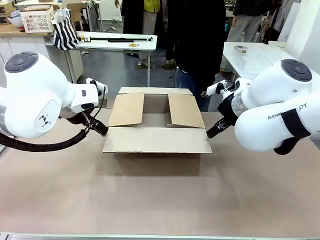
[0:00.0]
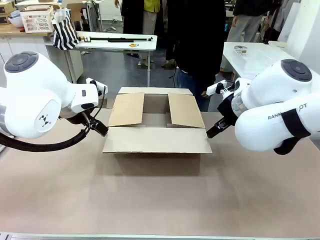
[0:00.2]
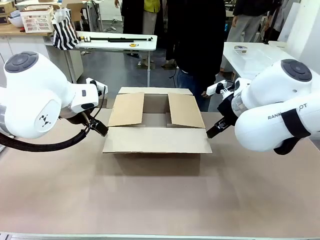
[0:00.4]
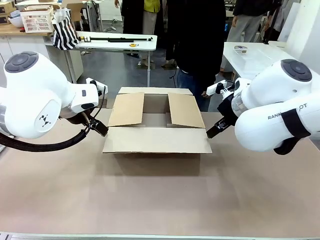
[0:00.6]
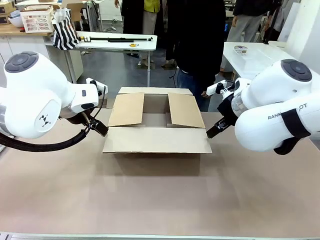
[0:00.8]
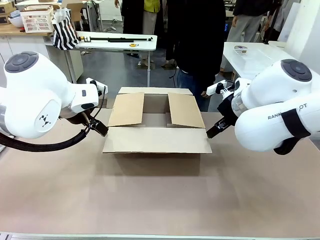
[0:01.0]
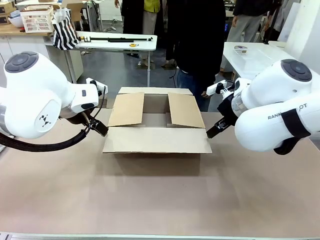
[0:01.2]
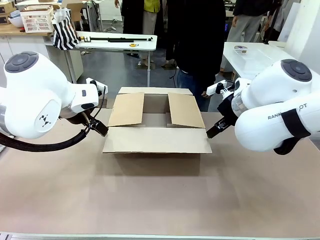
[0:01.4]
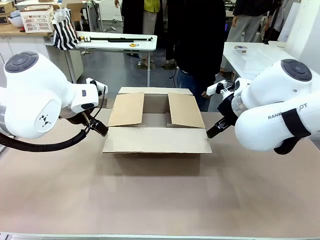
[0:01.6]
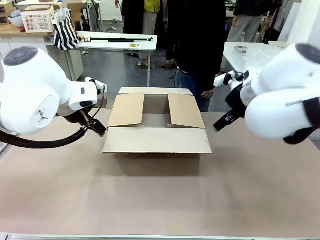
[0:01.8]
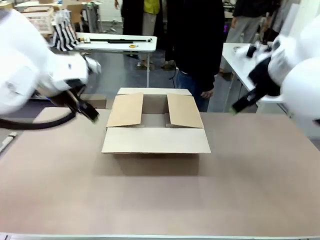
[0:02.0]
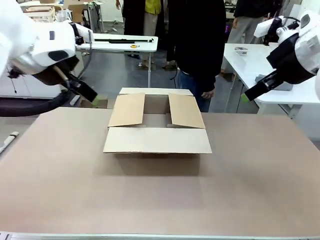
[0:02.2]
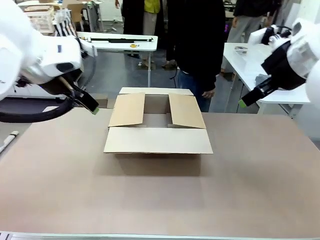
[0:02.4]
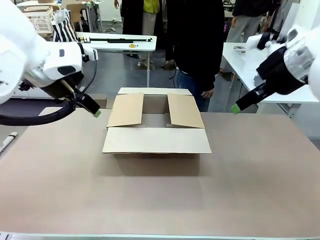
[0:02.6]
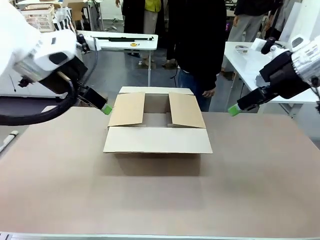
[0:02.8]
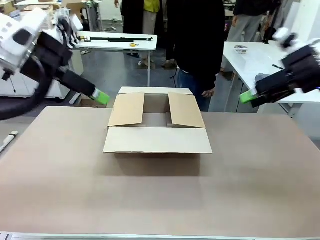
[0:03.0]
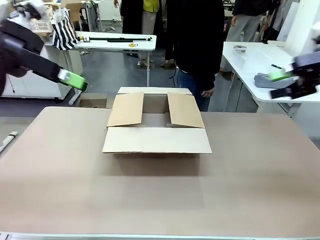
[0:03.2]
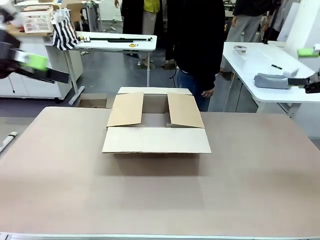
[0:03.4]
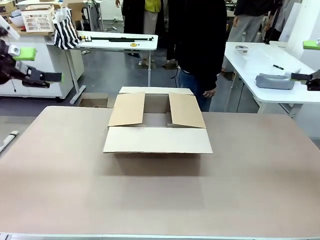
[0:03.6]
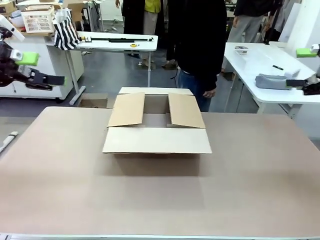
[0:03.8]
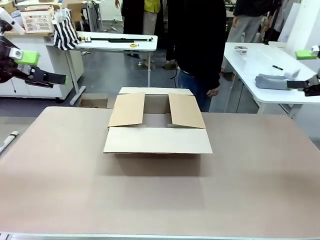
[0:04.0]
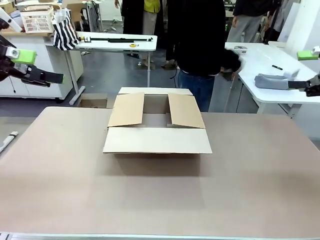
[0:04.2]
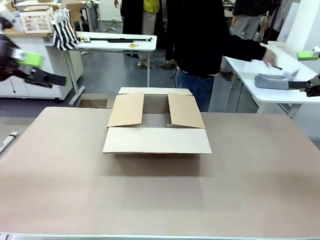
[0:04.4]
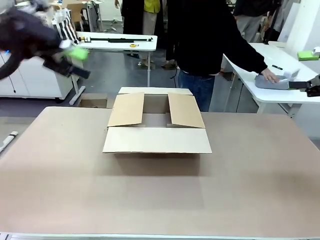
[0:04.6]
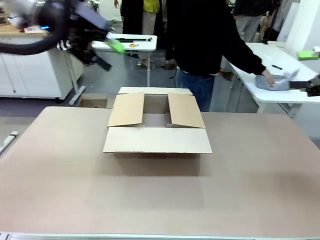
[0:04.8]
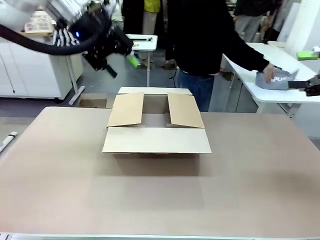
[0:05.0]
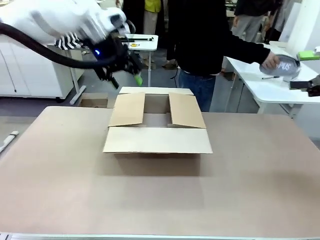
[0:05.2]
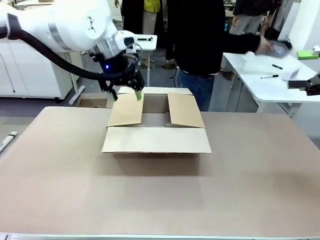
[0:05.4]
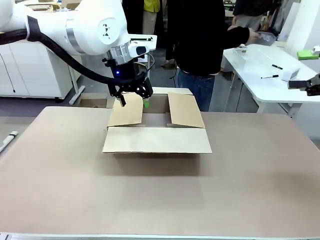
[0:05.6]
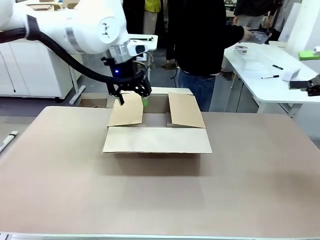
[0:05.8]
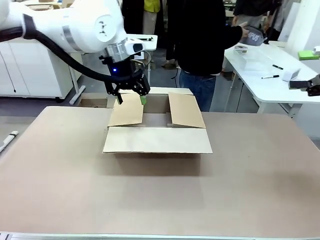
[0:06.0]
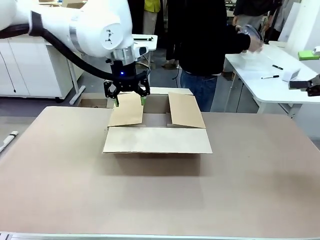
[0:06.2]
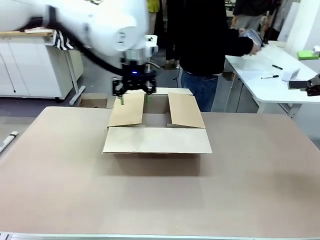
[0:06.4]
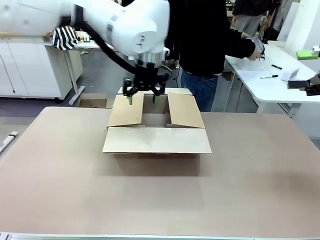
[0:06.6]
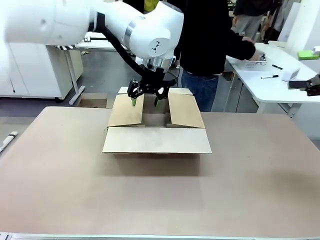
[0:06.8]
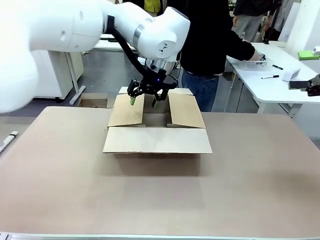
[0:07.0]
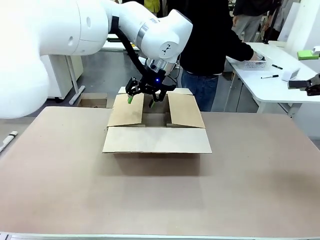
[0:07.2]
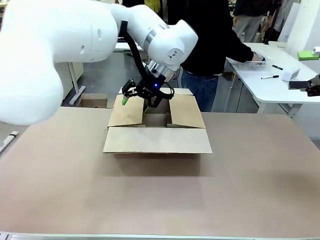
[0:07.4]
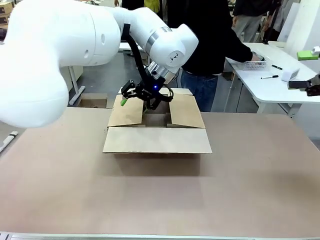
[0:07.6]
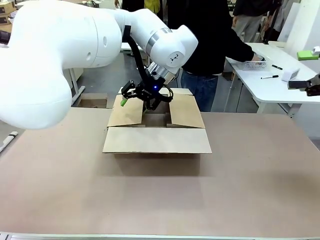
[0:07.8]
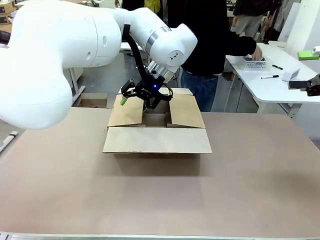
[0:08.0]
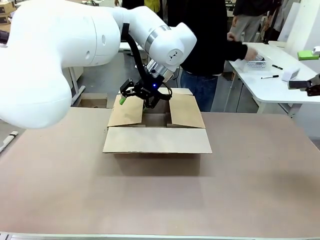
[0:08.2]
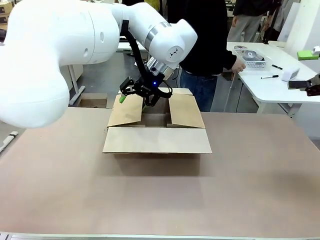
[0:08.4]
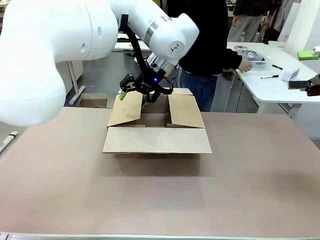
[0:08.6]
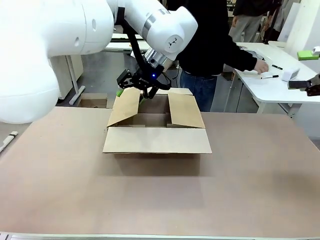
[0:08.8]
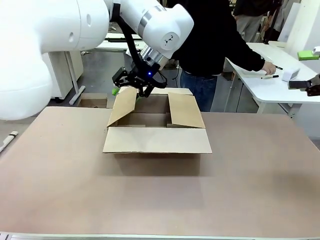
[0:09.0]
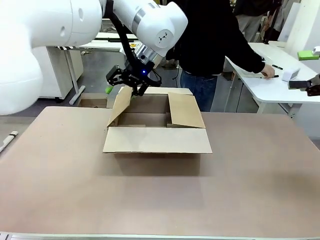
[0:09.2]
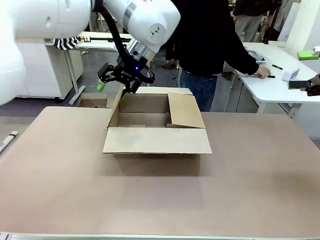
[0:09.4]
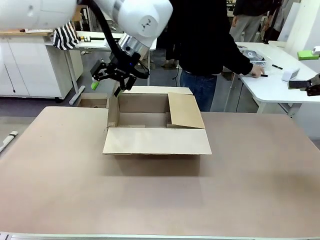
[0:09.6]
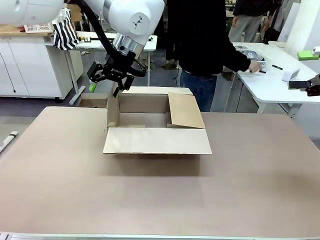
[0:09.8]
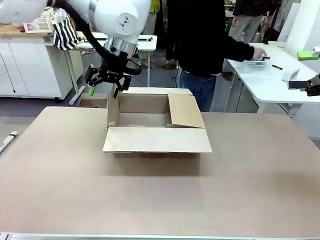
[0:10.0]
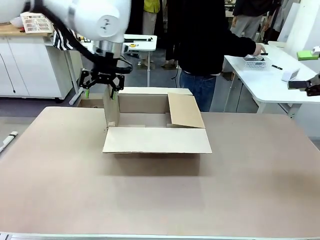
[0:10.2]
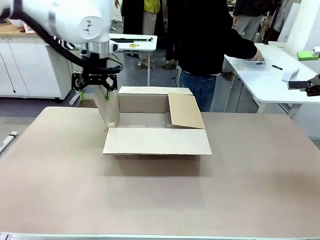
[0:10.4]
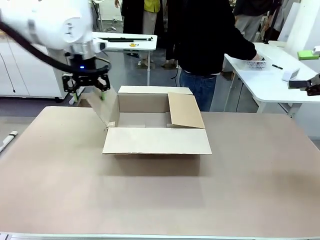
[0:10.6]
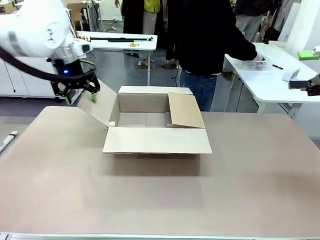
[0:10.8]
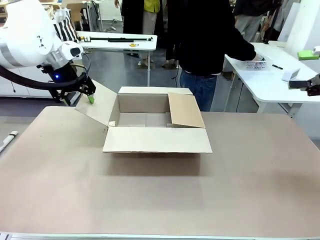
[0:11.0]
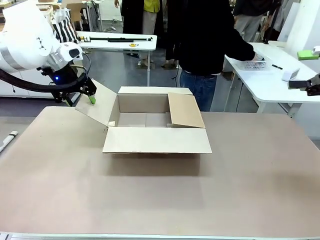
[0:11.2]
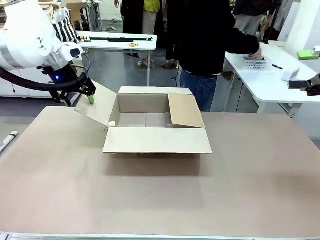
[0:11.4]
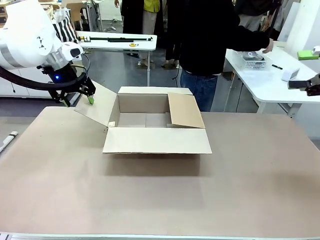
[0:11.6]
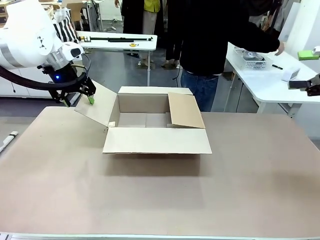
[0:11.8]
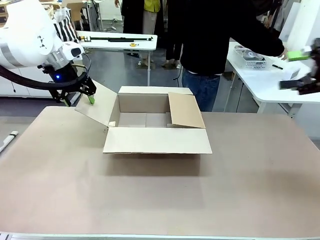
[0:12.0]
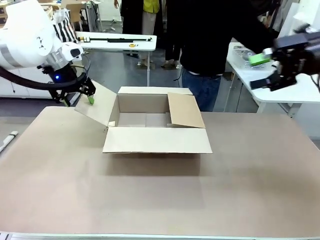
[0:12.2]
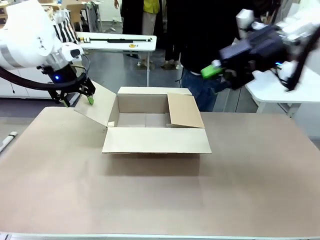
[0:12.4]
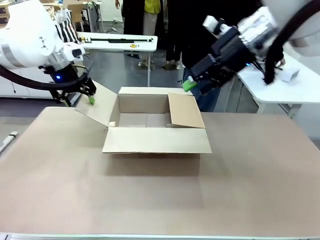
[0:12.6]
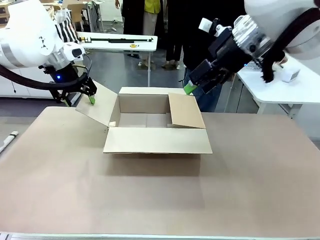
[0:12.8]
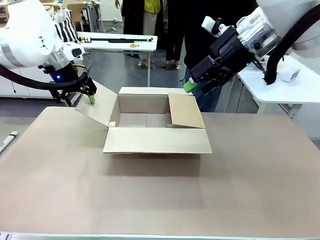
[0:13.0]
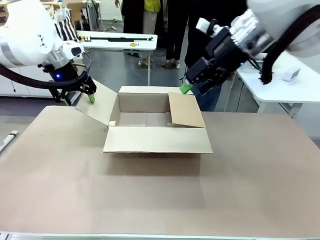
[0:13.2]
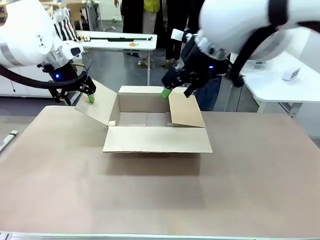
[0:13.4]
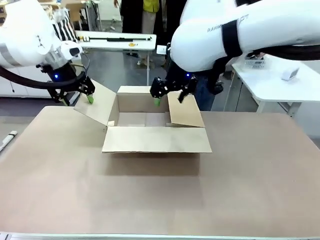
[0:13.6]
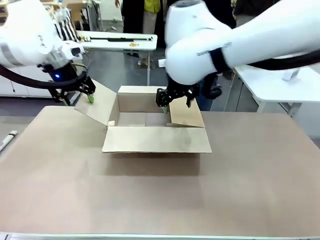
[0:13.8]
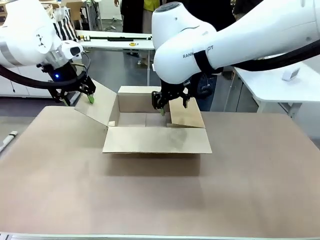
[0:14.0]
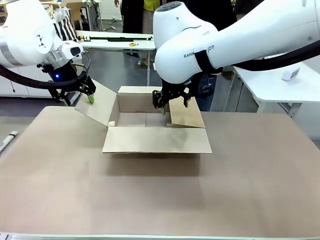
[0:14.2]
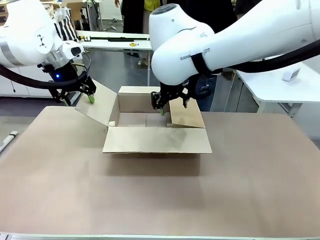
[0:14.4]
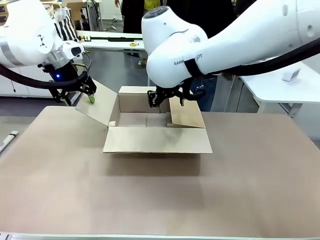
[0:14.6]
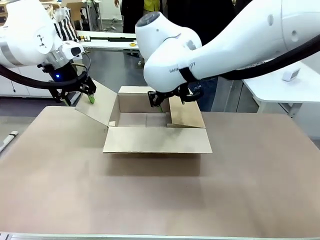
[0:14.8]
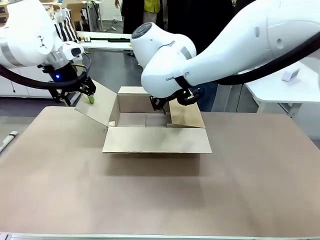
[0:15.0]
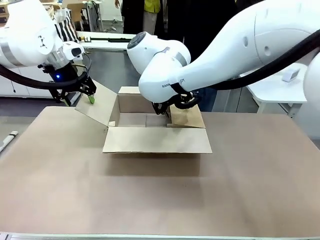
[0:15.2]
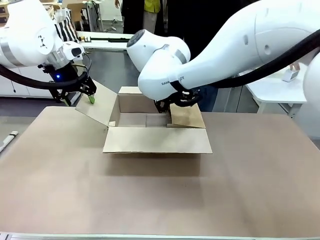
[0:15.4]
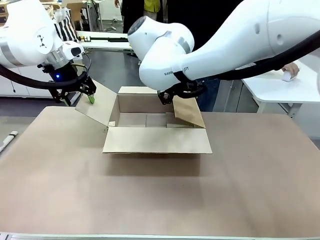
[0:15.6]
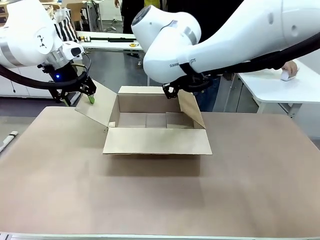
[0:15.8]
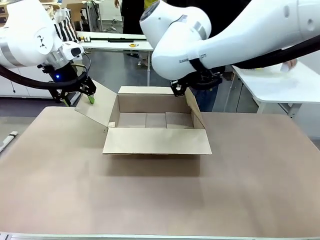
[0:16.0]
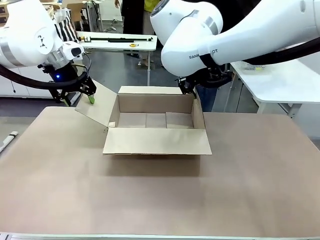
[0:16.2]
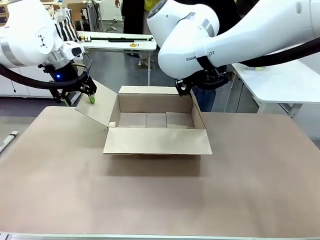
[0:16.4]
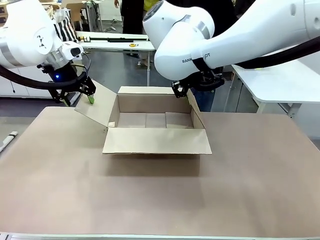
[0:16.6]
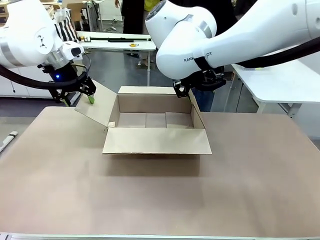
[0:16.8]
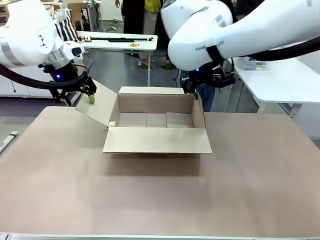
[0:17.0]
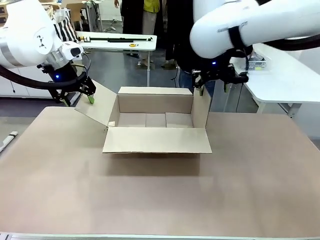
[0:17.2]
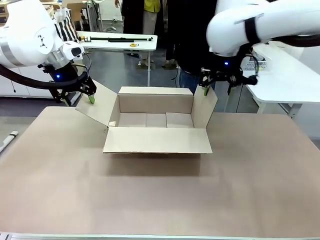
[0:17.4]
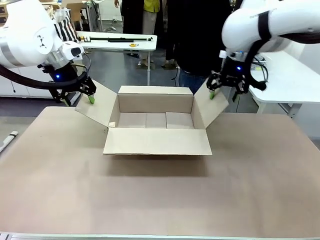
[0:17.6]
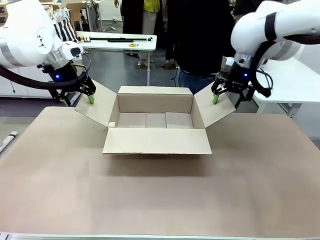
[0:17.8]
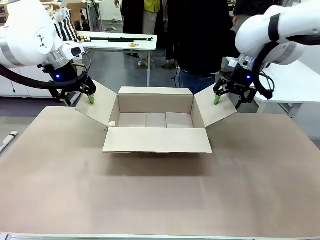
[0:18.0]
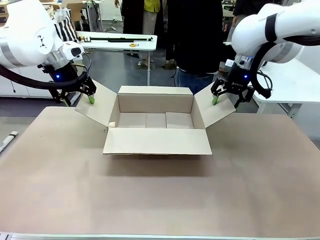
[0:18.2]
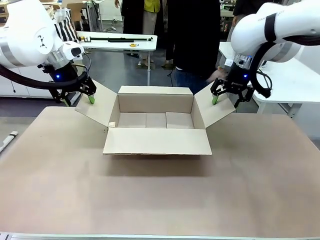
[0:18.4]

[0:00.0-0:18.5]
Task: Pack the gift set into the box.
Robot: Place both hands on the side flaps of the Package Box and spread them outward.
Person: The human places all items except the paper tape into the organizing basket.
